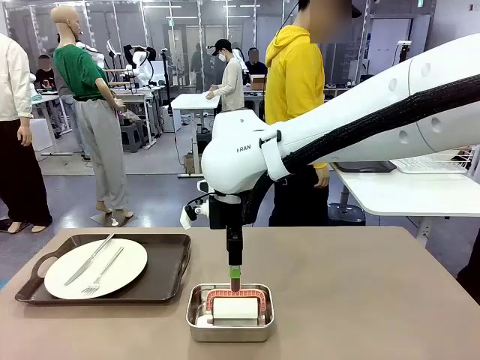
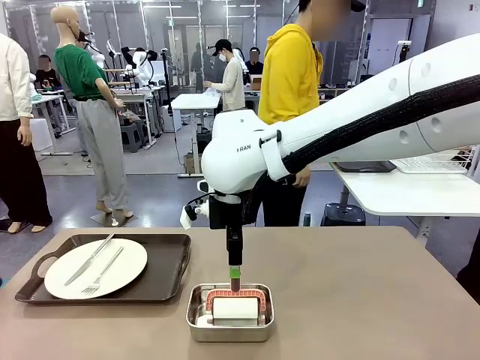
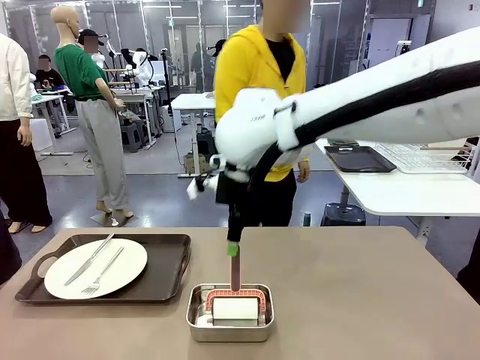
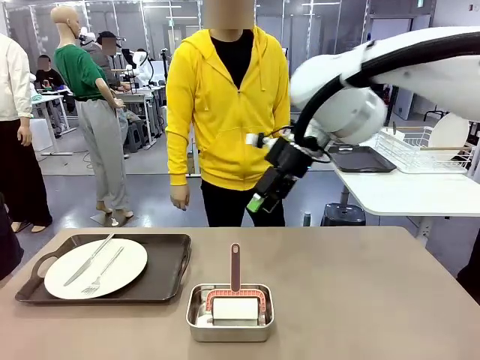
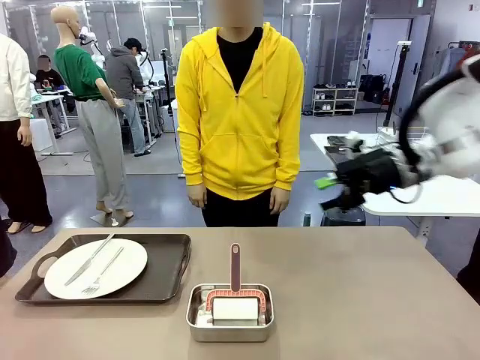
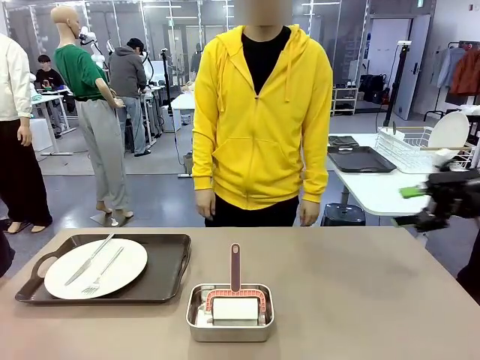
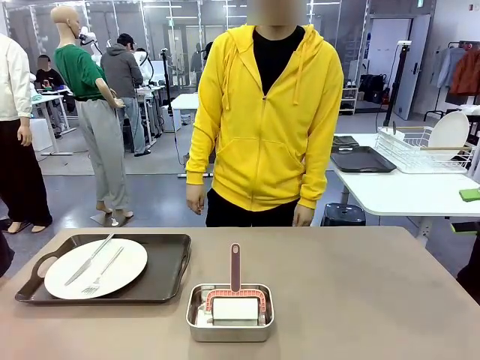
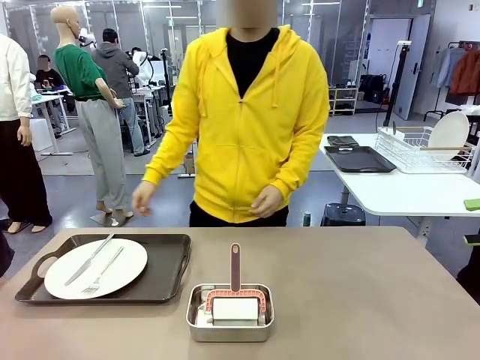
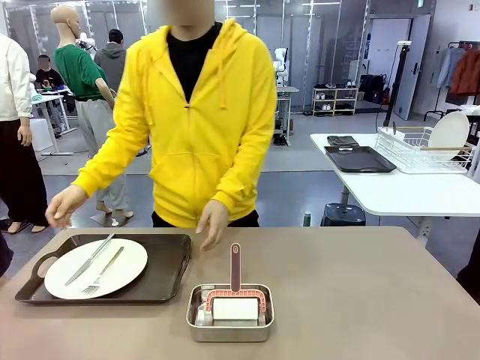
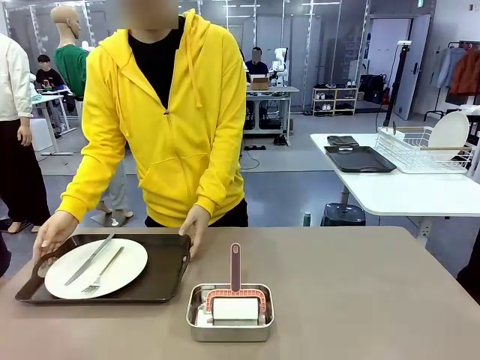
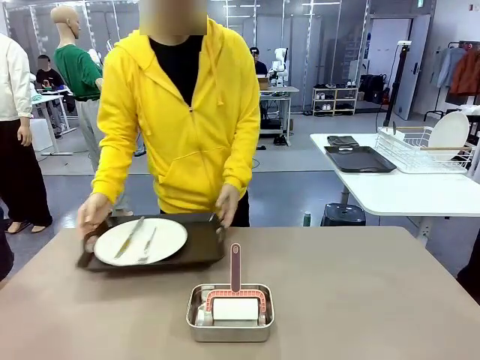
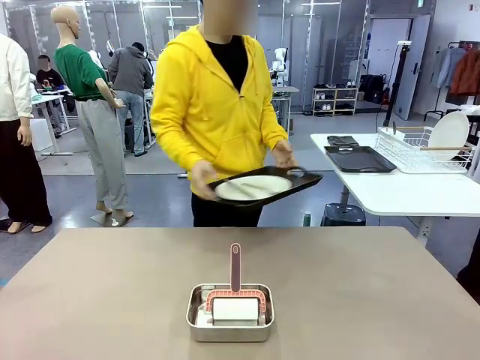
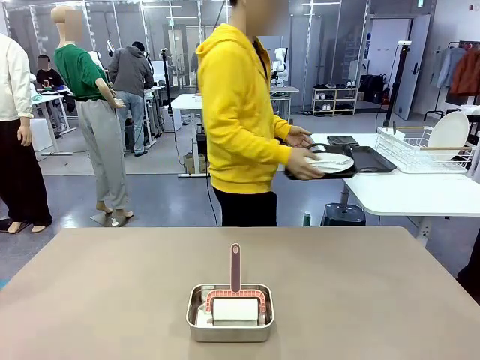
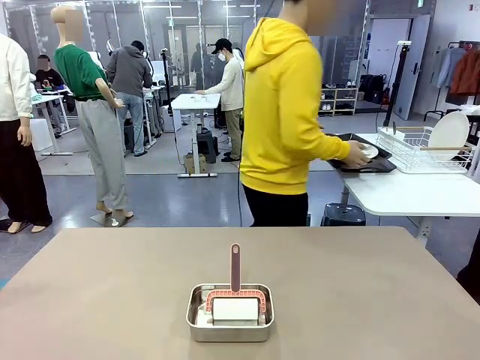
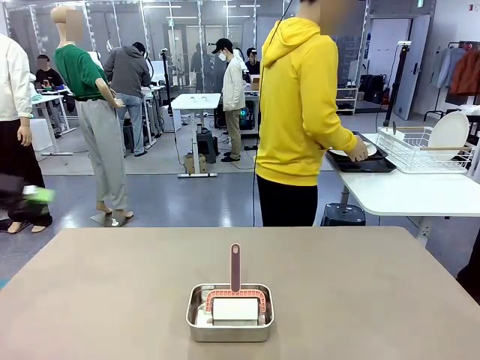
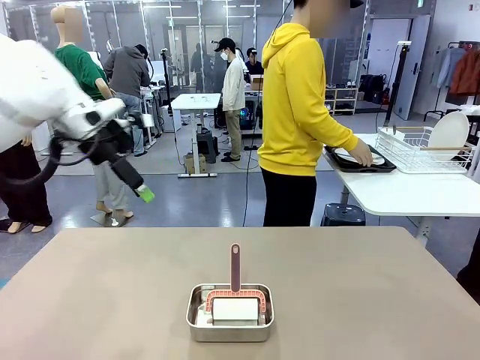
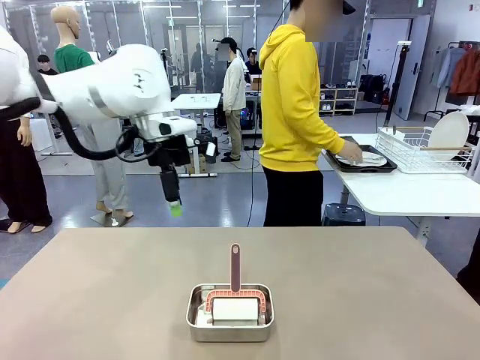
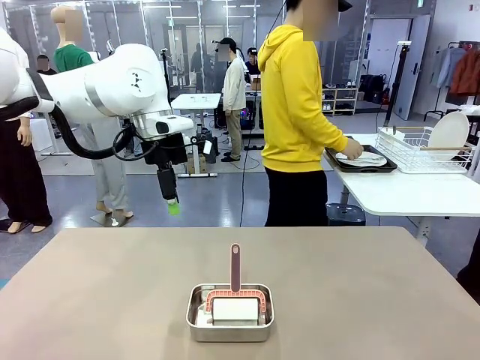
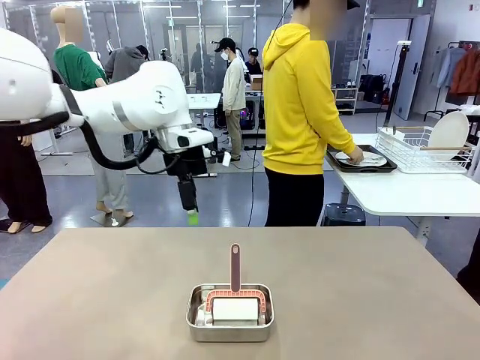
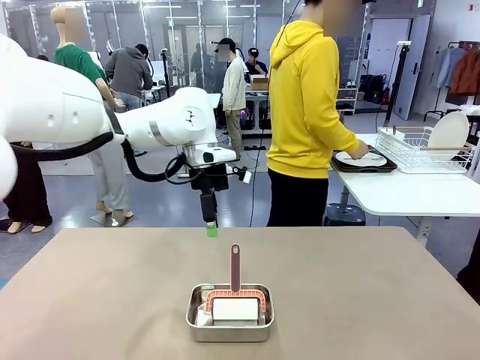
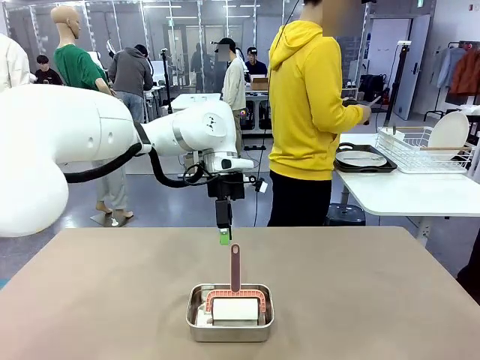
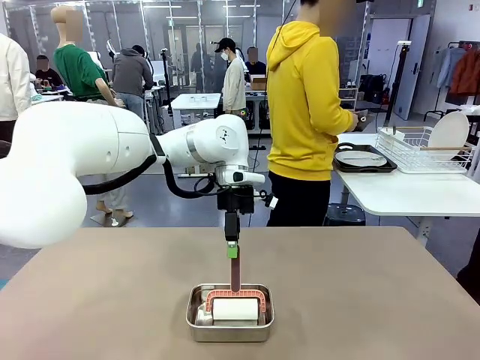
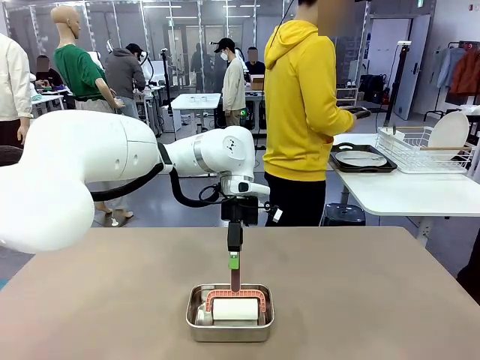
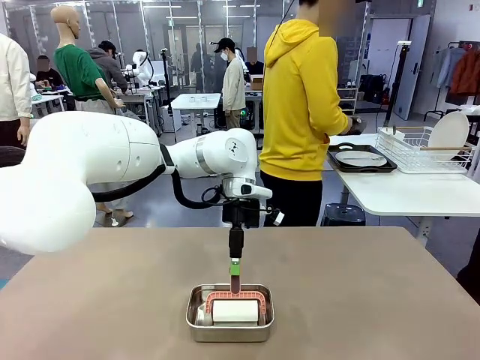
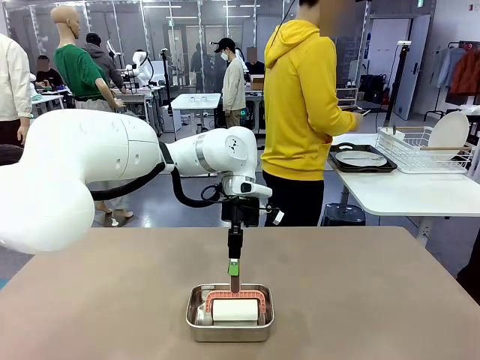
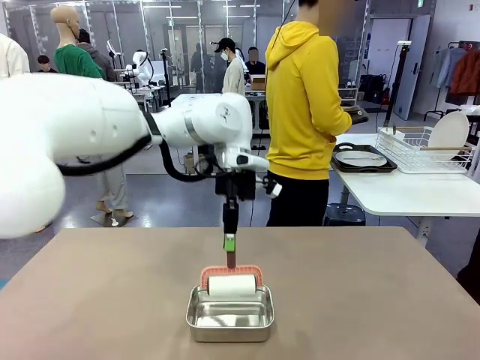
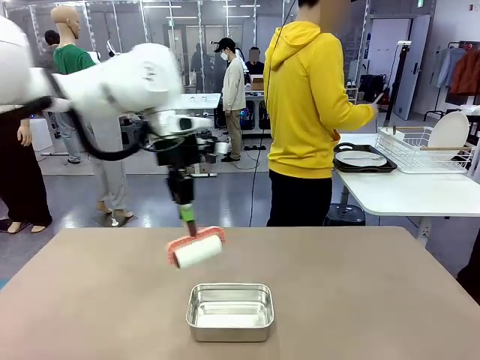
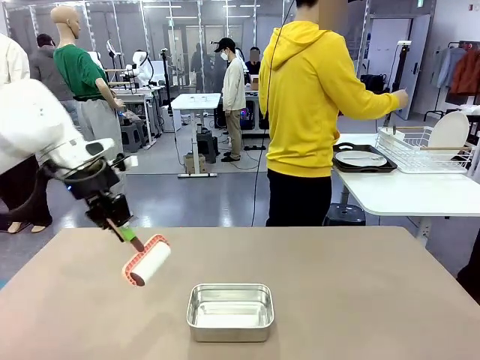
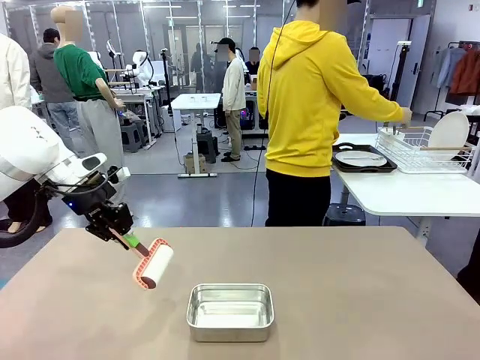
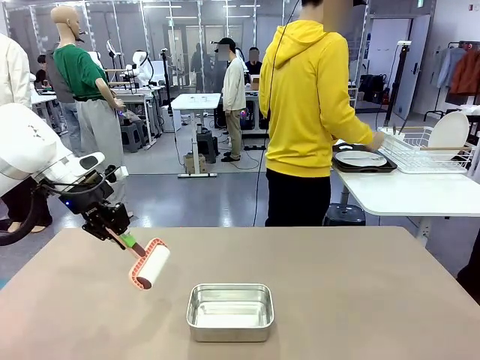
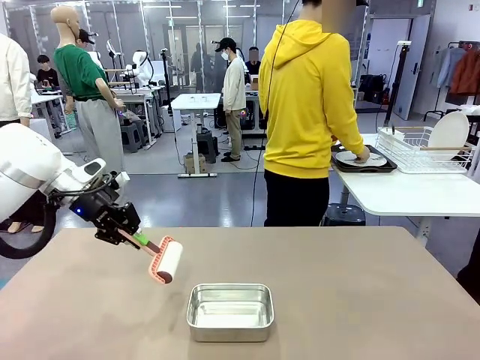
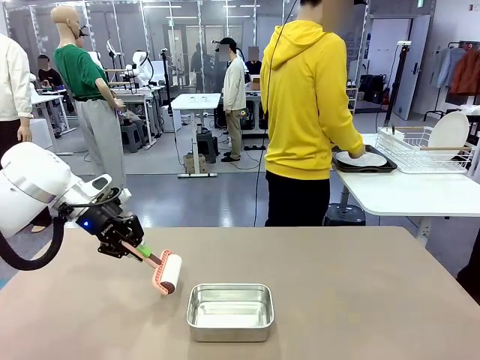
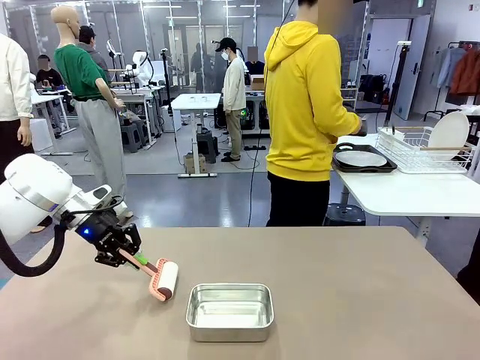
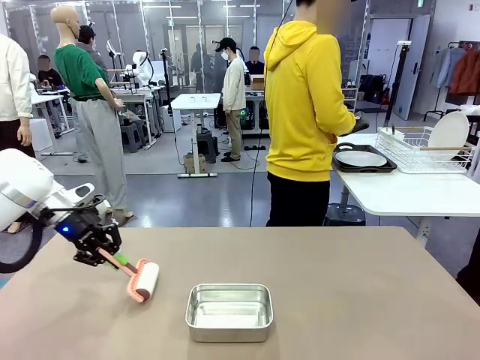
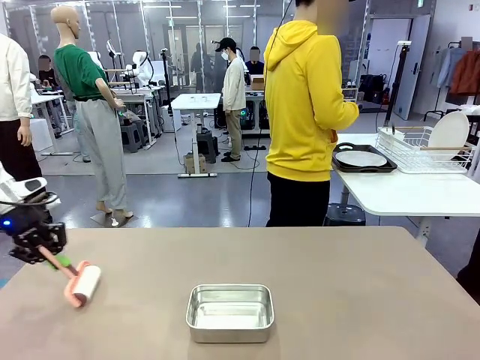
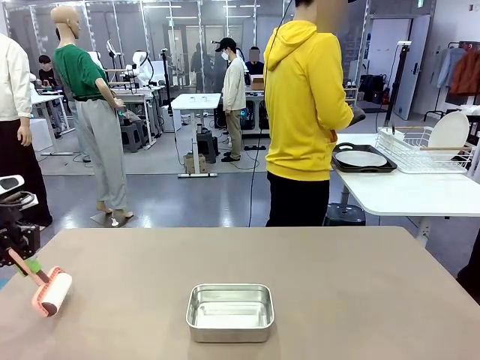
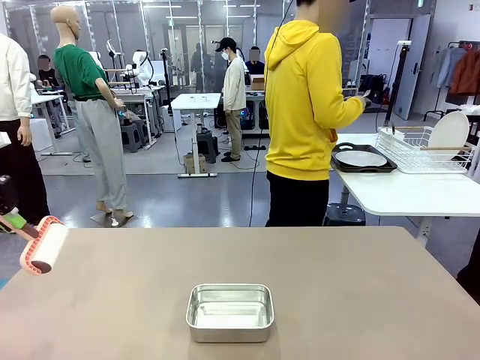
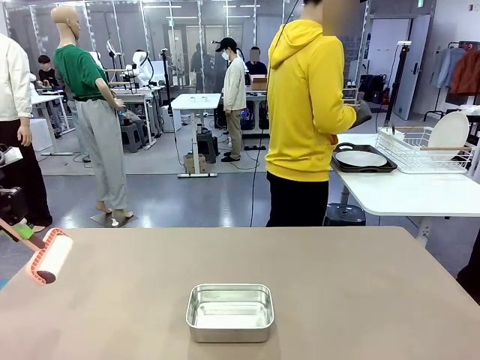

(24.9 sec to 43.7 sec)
Robot: When the right (or left) Handle tray is removed, use the right hand (or left hand) to clean the right (or left) side of the table with the Lint Roller.
Person: Pick up the left (or right) Handle tray and place it on the Handle tray.

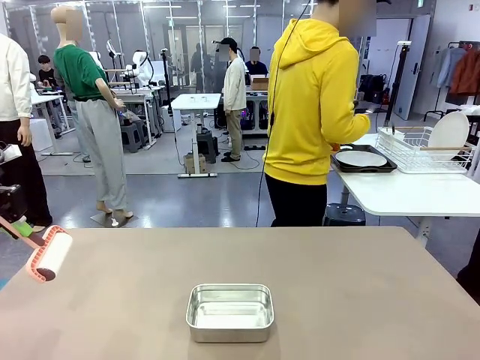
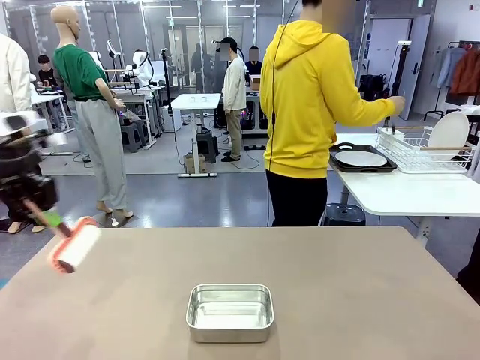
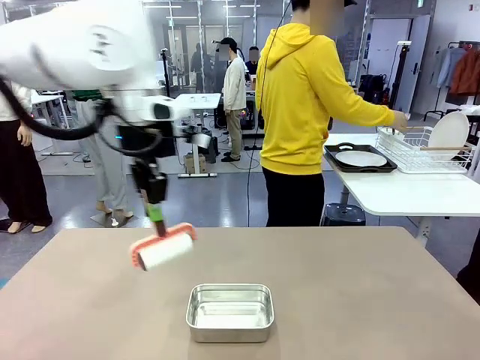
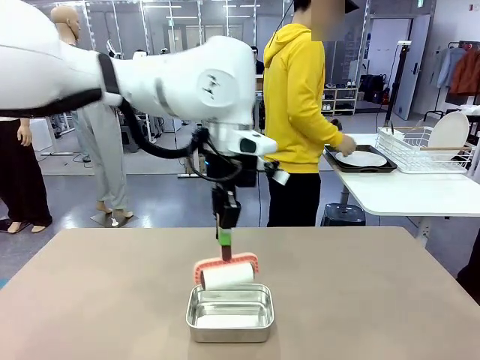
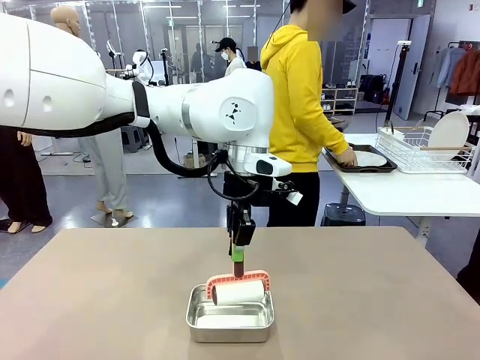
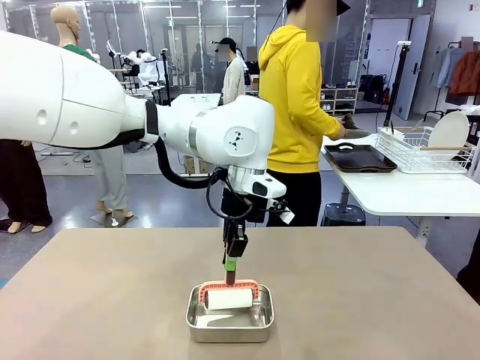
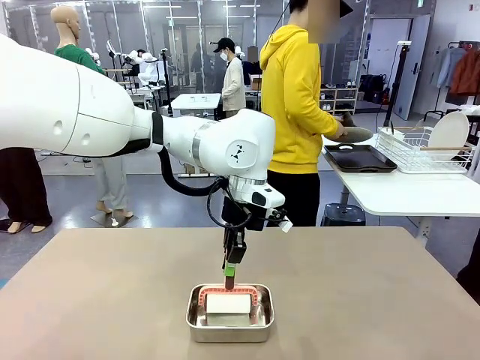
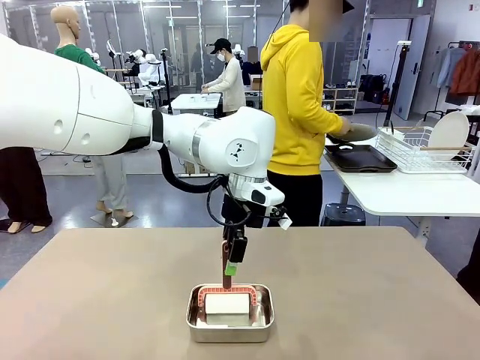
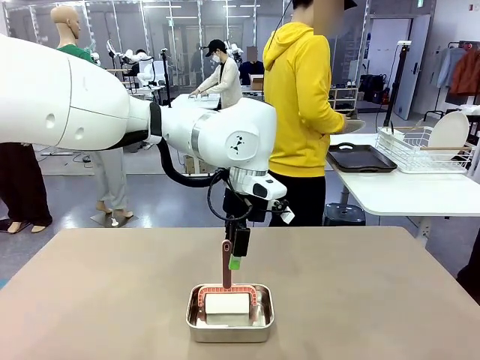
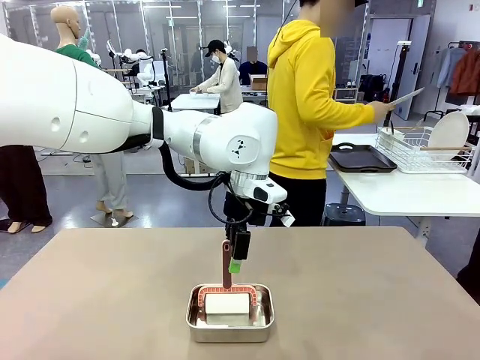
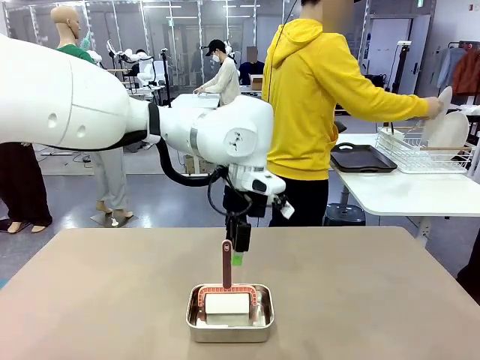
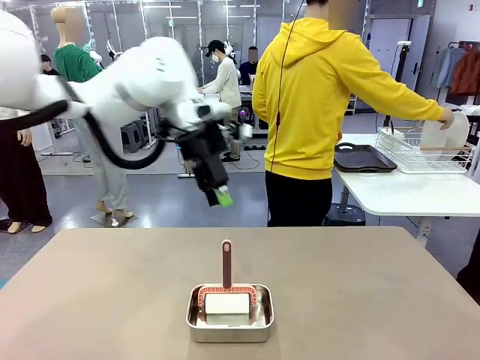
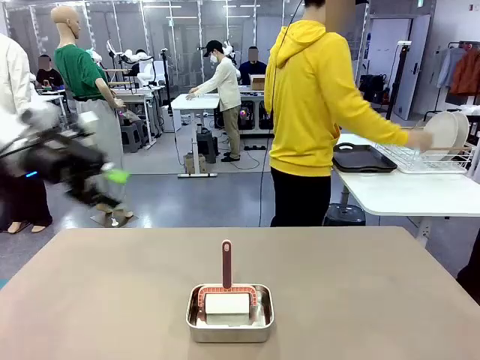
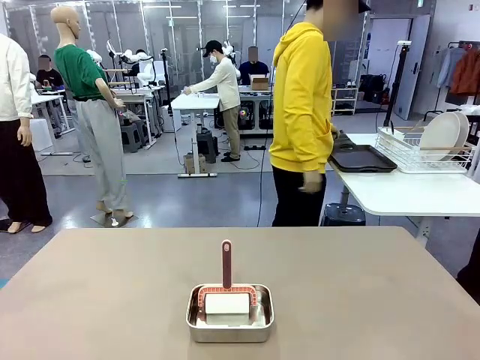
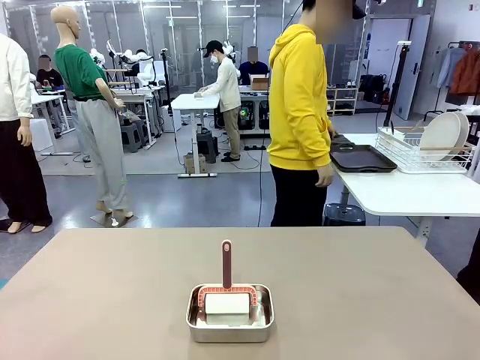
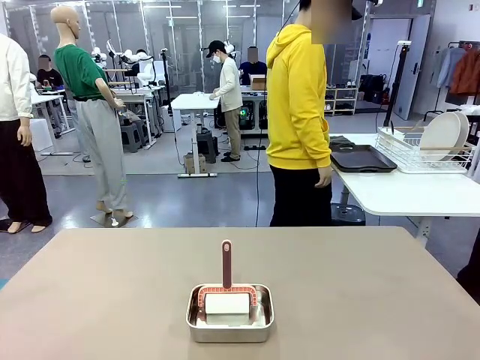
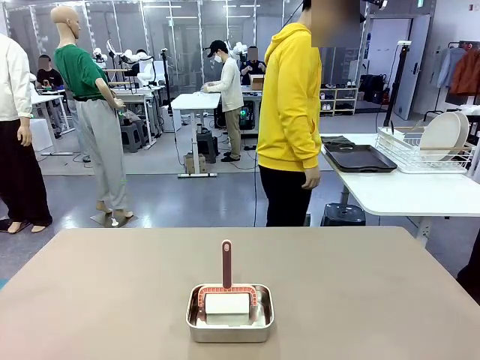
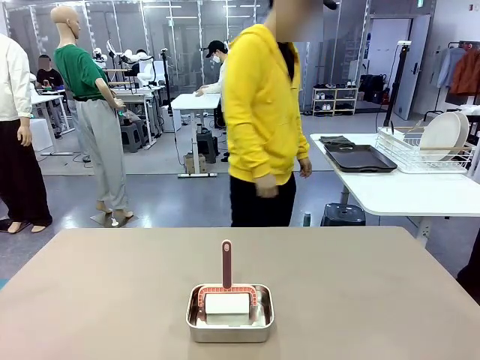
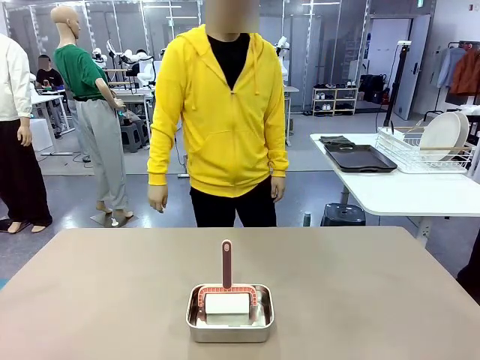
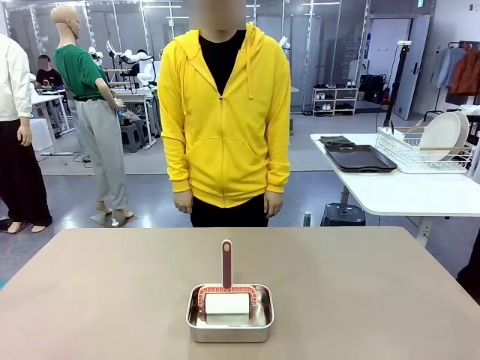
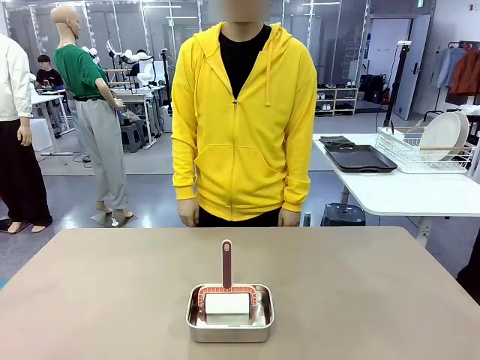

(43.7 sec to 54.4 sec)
Robot: Place the Lint Roller back on top of the Airtight Container.
Person: Use the Towel with hook to wipe the Plastic Matte Plate , Fork , and Knife and place into the Dish drying rack.
